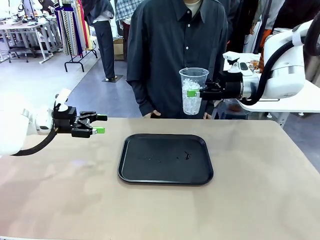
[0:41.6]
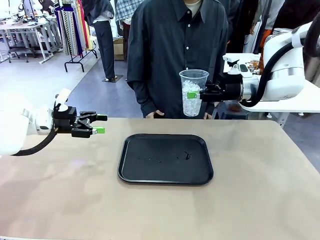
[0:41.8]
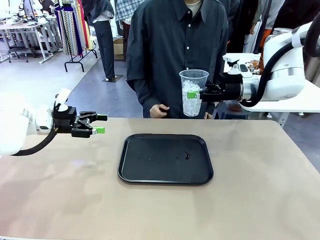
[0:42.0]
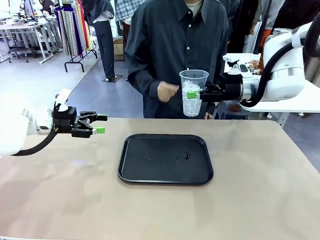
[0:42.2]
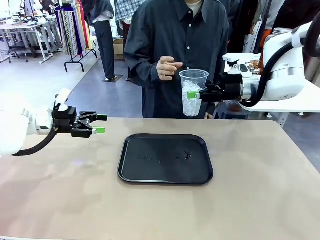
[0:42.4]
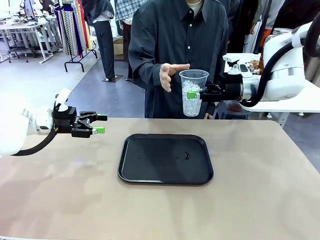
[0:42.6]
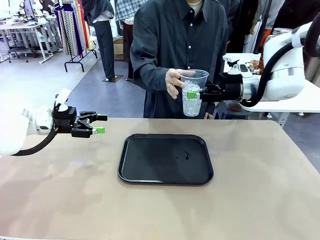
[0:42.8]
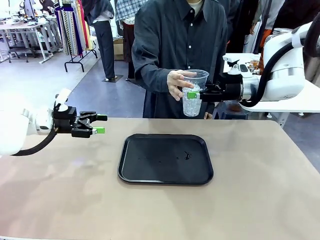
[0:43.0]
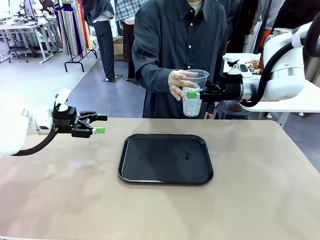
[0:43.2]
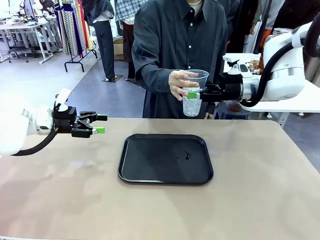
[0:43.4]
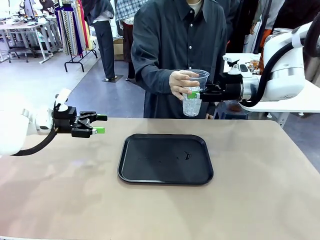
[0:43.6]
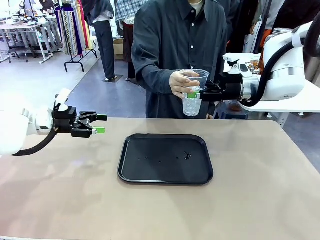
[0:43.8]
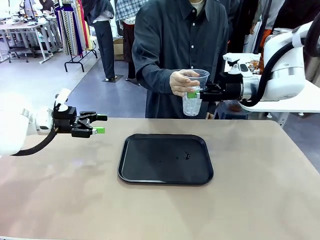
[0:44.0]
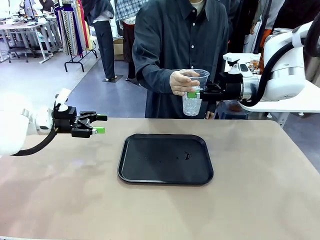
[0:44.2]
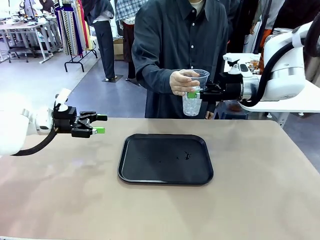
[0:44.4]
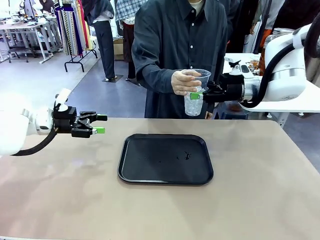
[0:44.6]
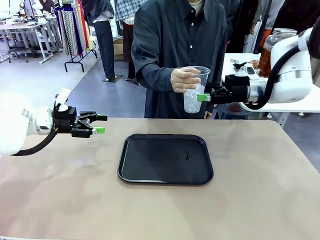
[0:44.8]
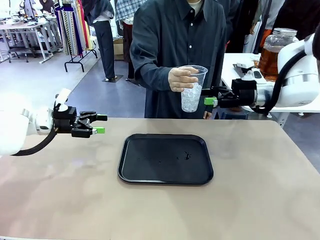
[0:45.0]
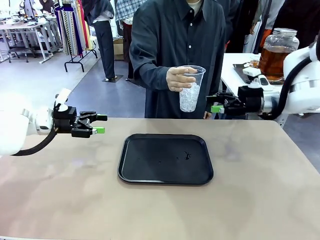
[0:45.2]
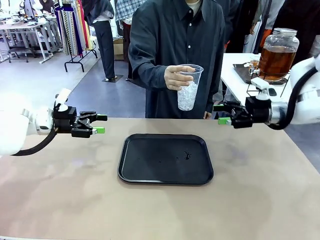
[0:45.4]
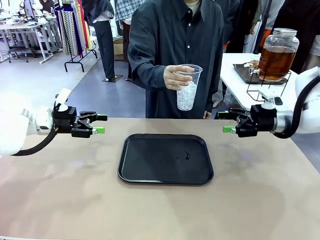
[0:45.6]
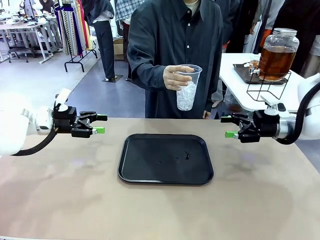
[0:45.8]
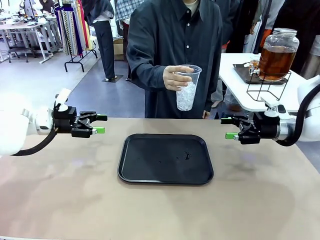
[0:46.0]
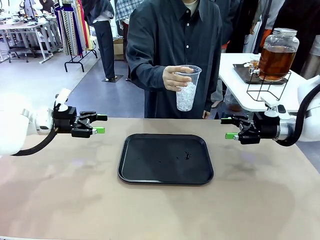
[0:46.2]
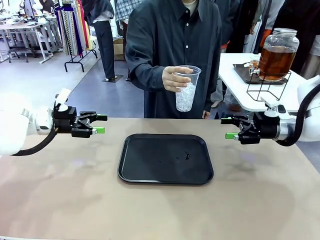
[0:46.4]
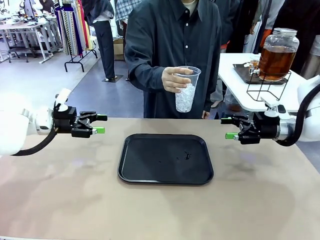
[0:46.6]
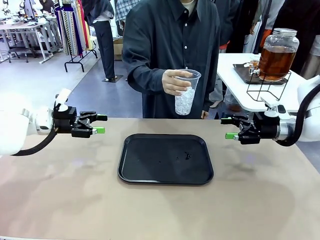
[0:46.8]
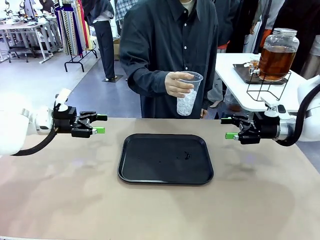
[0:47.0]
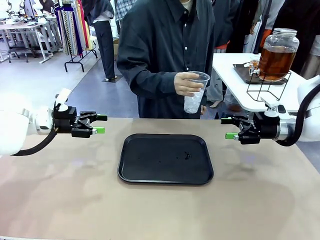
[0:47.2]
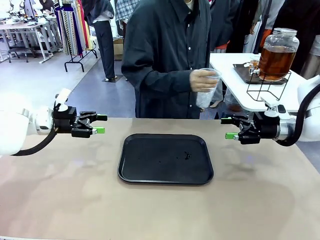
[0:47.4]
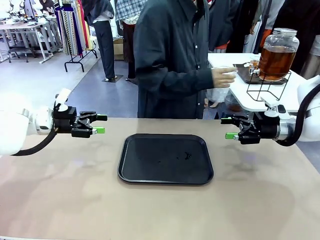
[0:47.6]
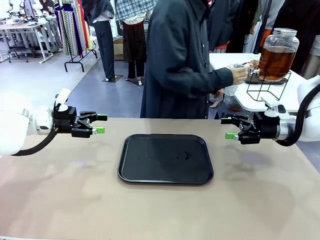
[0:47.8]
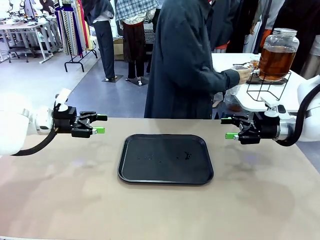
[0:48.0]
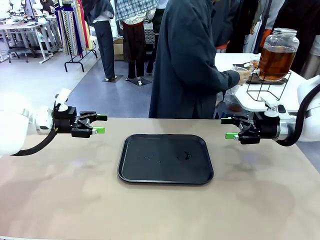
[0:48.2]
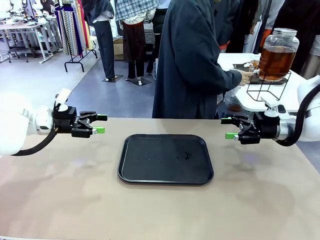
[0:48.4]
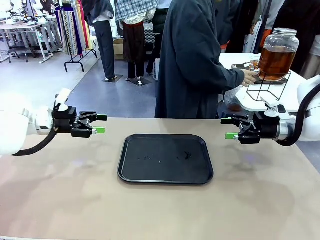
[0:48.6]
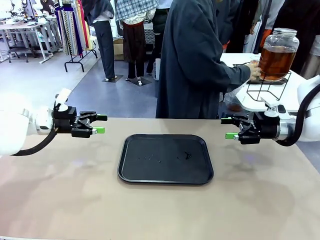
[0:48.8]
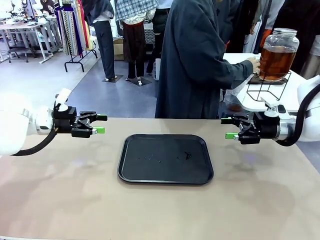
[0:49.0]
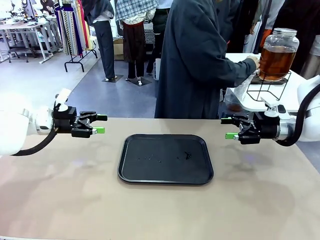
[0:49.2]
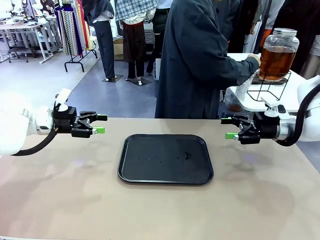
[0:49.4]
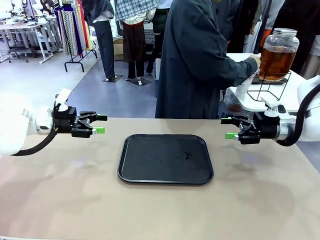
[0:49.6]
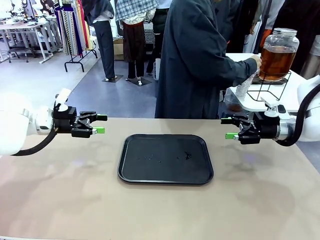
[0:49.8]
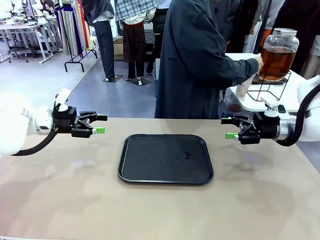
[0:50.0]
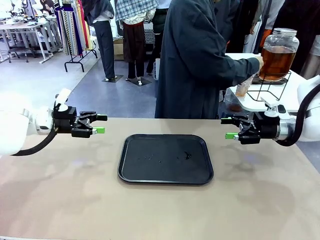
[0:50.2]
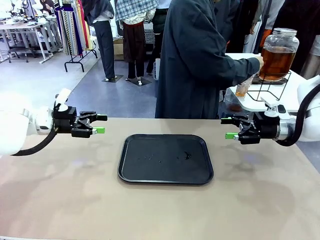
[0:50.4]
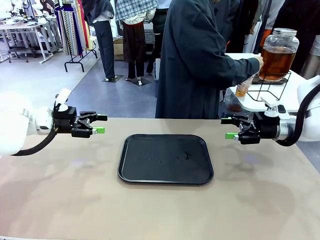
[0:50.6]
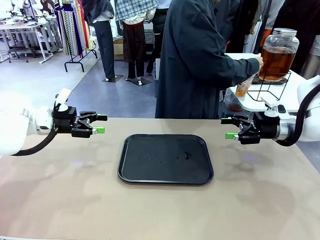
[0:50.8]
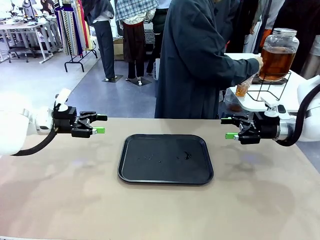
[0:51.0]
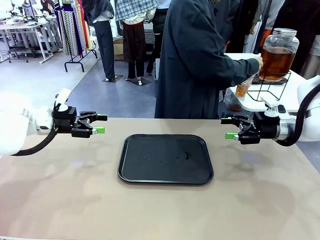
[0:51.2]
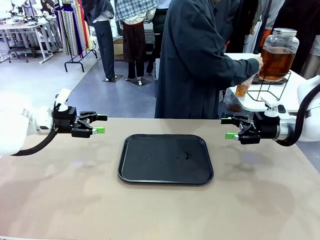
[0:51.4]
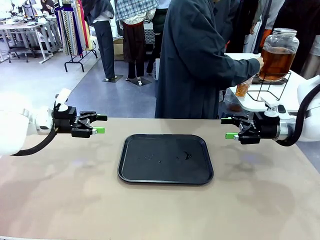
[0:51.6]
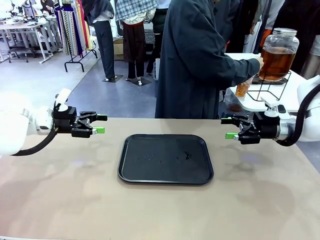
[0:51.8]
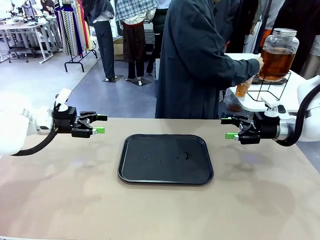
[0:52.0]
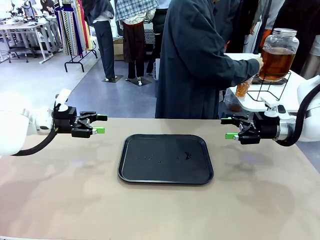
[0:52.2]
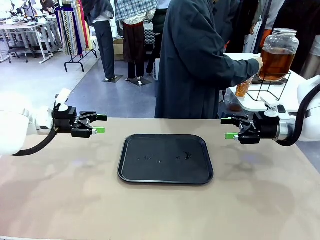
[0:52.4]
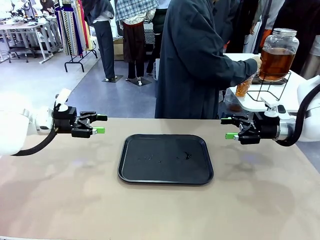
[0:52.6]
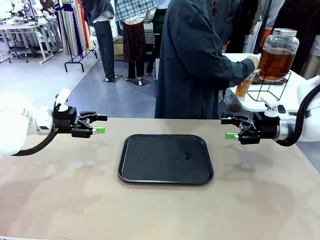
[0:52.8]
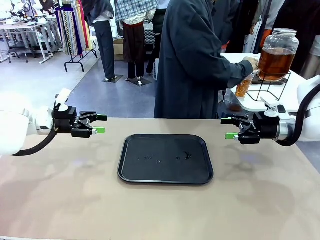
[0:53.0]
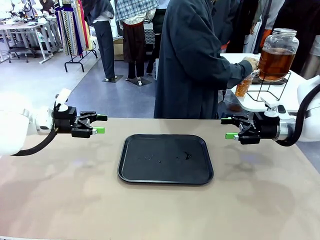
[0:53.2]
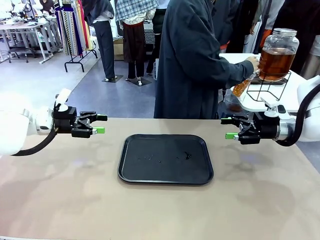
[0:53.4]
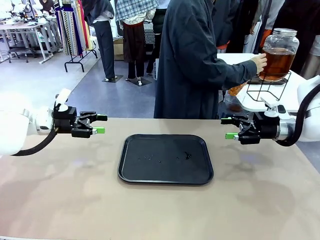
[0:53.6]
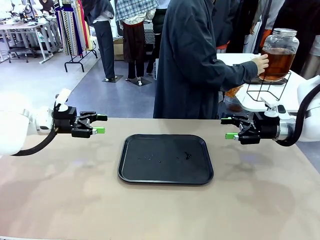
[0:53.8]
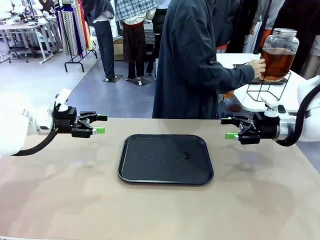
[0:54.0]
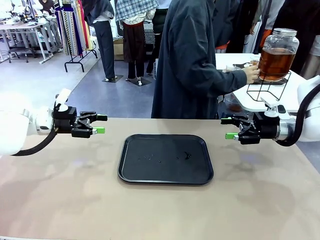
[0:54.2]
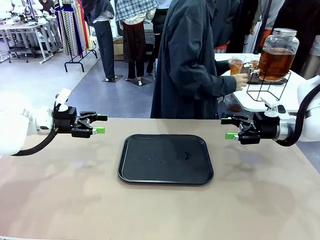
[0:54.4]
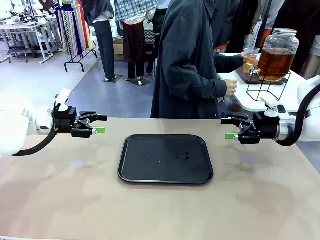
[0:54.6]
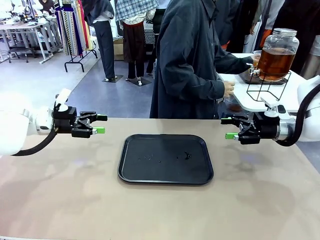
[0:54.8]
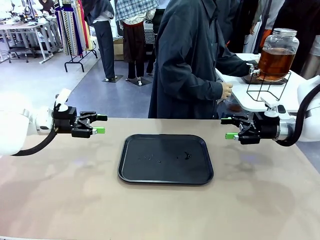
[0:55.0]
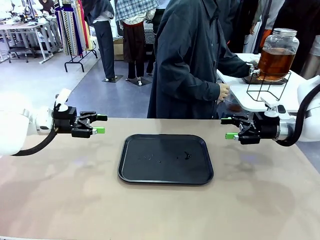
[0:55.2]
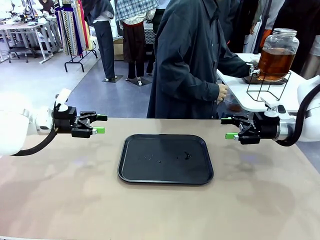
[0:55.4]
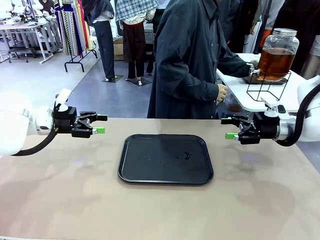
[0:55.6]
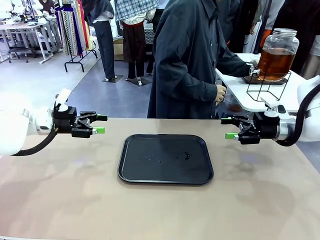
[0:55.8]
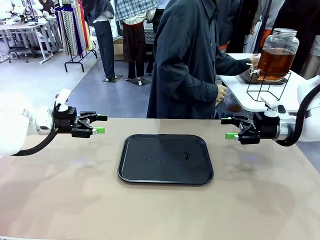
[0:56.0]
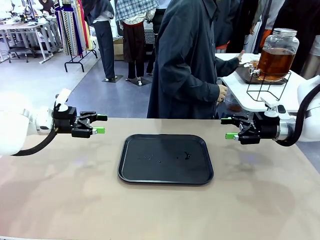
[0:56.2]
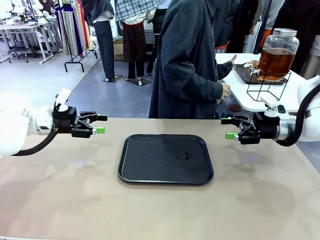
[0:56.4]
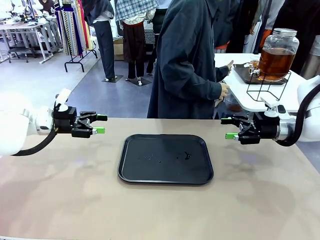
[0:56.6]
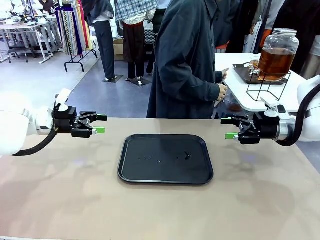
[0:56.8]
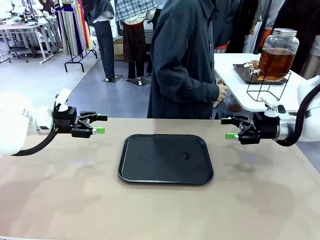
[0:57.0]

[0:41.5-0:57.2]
Task: Pour the drink into the iced cup.
Robot: Open the gripper to release the iced cup you were holding.
Person: Move the picked-up cup under the dispenser faucet, pour the drink, and place it on the tray on the human table.

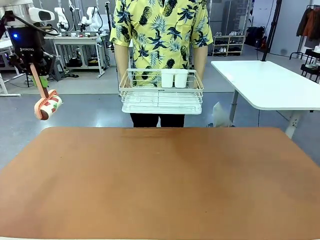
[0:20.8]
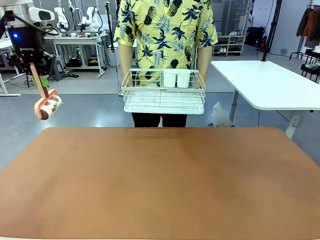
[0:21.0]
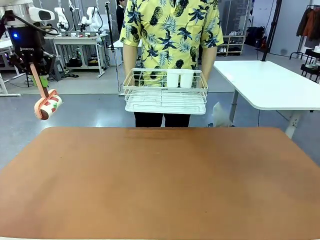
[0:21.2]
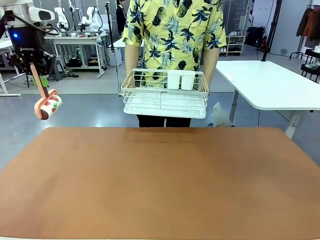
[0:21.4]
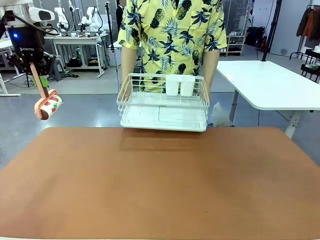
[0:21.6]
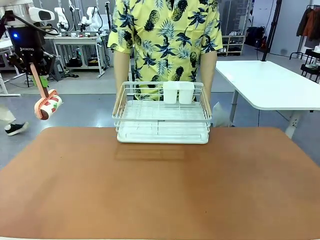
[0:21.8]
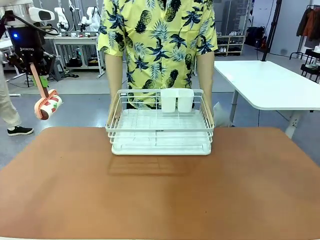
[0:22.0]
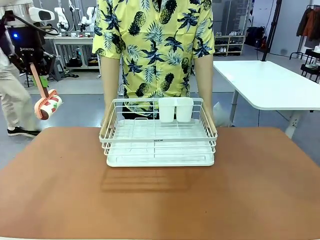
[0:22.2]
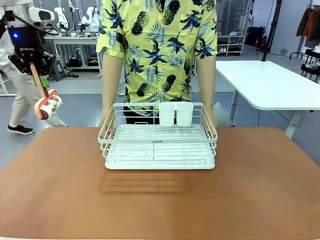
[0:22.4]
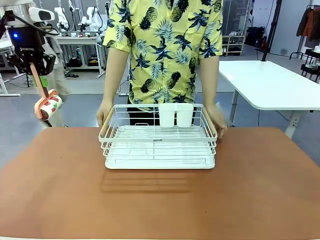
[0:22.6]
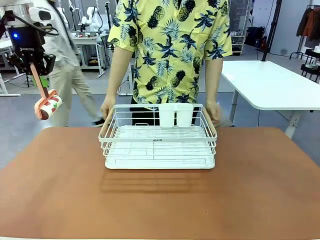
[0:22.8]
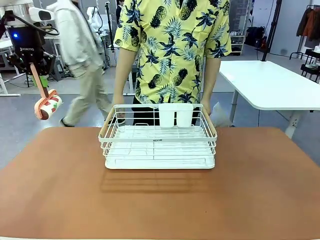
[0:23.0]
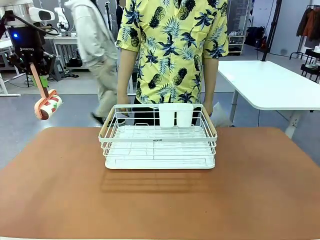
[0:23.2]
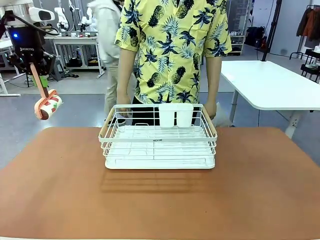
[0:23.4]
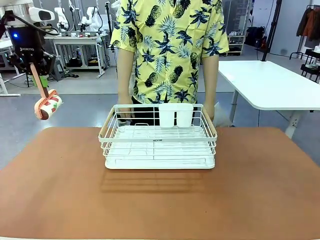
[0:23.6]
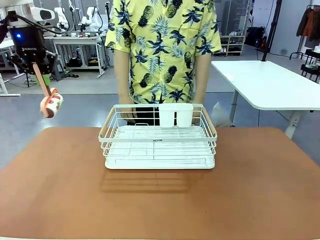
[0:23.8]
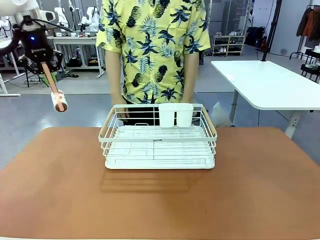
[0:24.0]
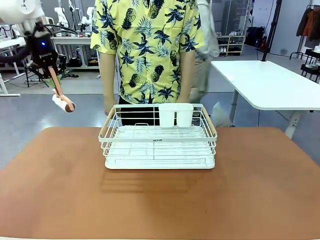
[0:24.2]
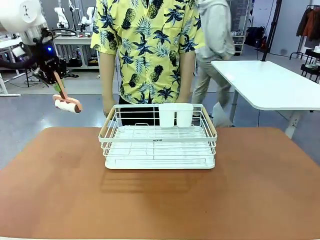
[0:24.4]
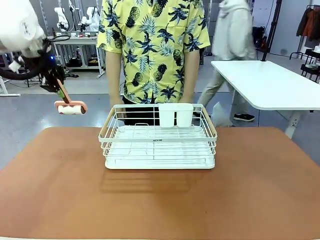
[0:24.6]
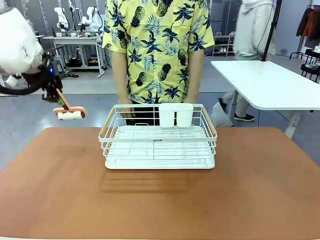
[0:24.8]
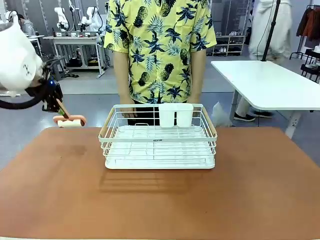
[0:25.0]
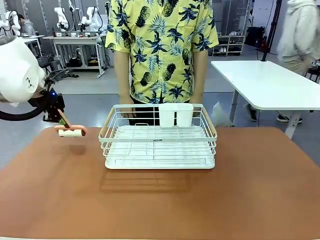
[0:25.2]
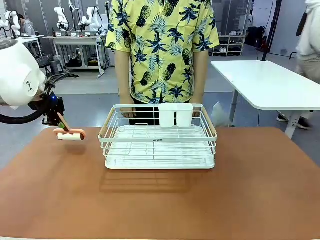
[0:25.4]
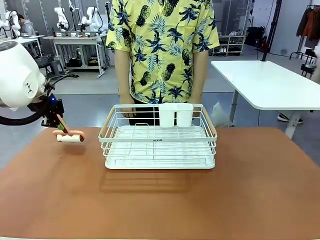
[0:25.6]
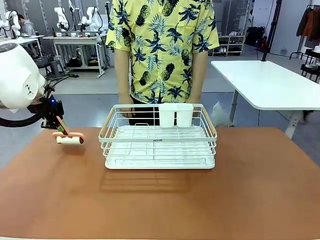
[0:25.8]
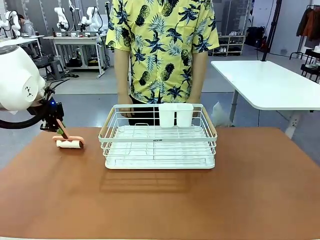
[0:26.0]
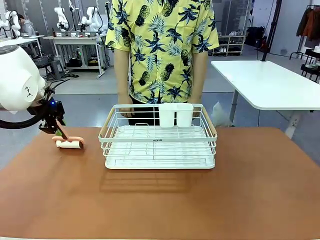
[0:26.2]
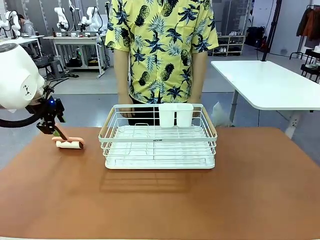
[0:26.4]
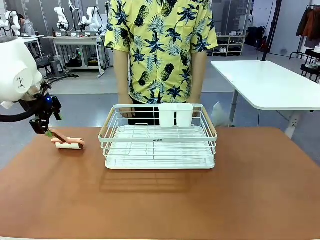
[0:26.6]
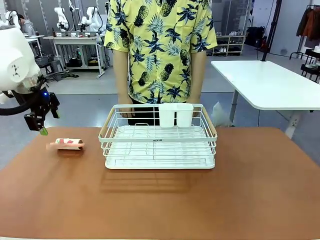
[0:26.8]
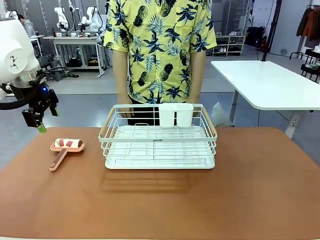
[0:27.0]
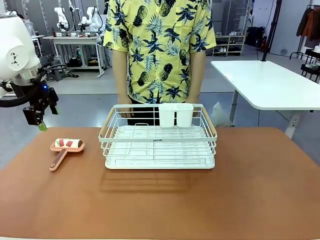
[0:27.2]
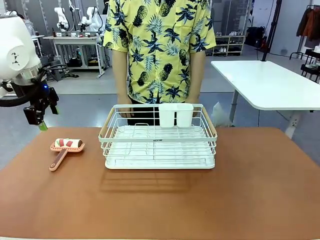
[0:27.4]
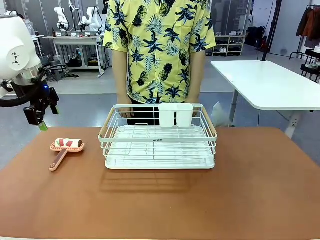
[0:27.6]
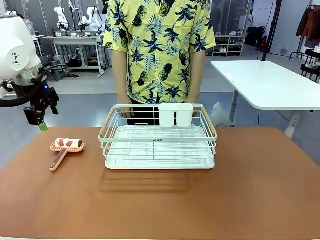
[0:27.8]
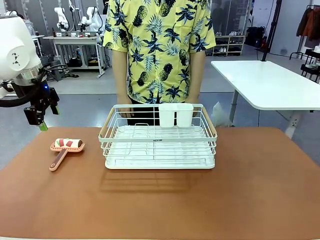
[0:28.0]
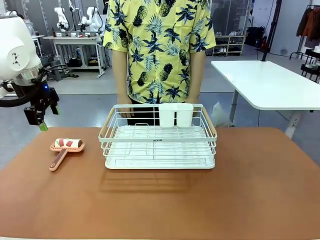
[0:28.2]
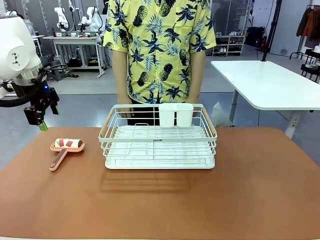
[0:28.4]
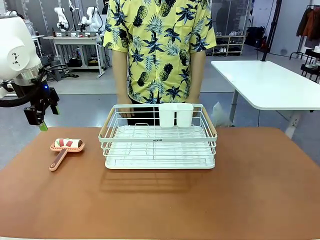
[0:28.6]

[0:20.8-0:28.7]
Task: Clean the table.
Robot: Place the Lint Roller down when the Dish drying rack is positioned in the middle of the table.
Person: Place the Dish drying rack down when the robot finishes cleaning.
